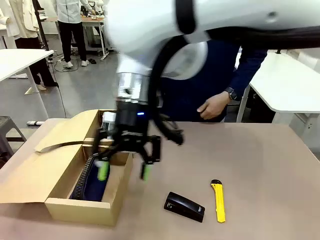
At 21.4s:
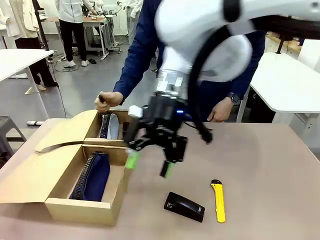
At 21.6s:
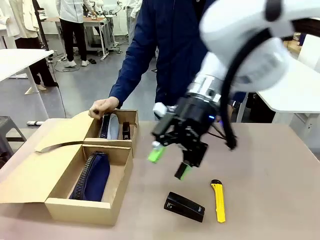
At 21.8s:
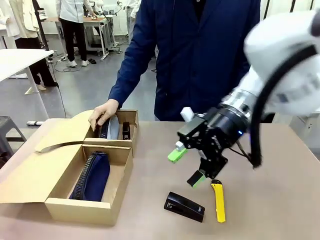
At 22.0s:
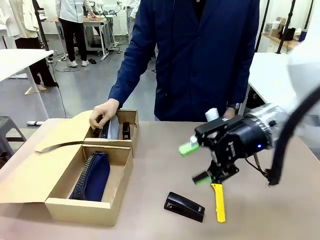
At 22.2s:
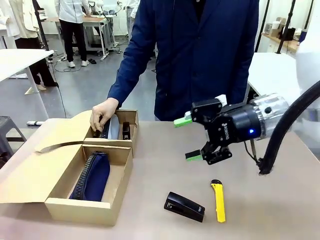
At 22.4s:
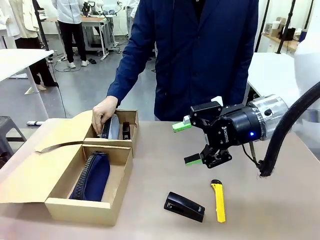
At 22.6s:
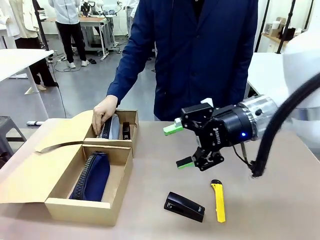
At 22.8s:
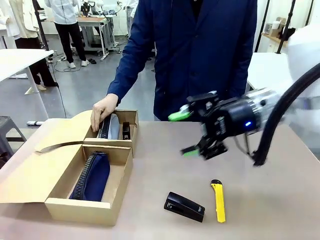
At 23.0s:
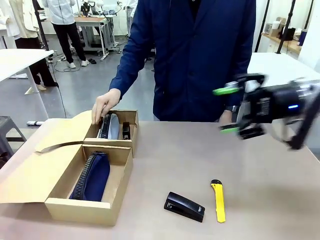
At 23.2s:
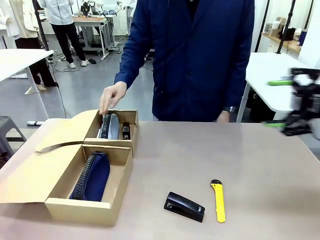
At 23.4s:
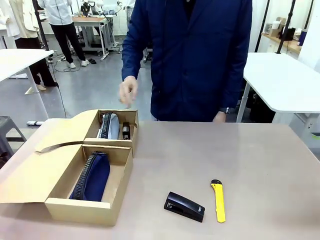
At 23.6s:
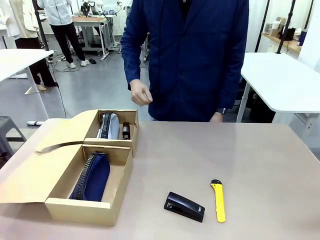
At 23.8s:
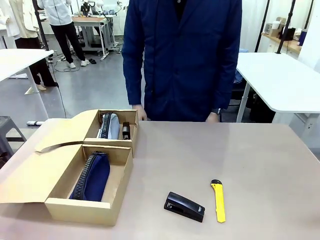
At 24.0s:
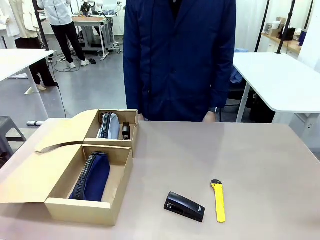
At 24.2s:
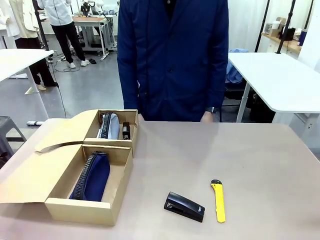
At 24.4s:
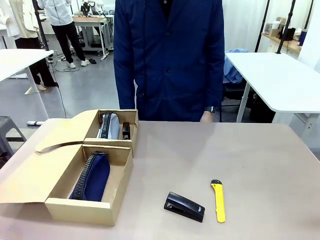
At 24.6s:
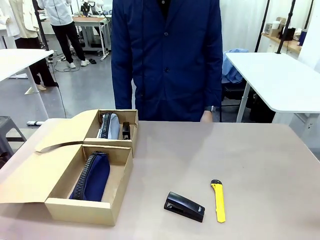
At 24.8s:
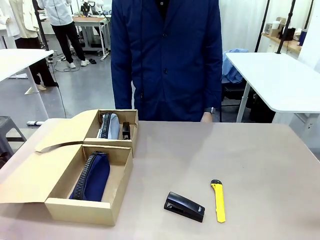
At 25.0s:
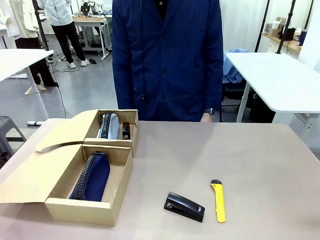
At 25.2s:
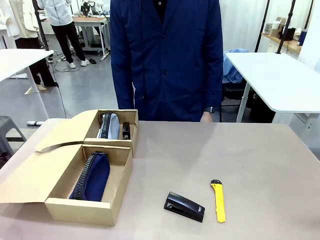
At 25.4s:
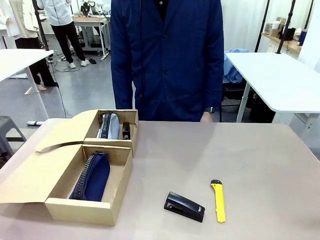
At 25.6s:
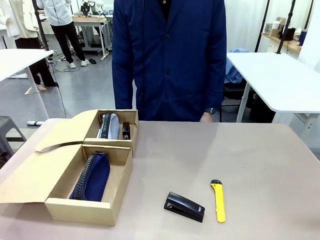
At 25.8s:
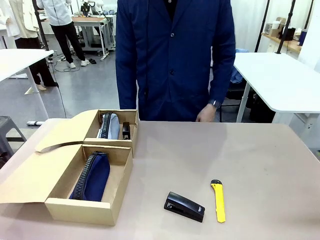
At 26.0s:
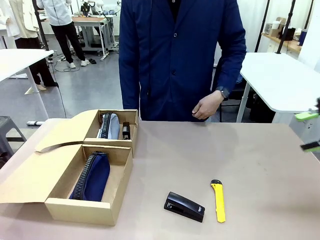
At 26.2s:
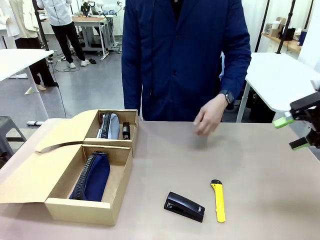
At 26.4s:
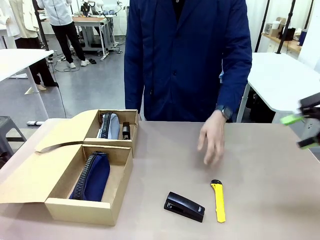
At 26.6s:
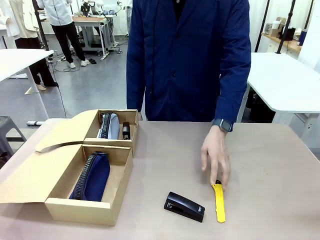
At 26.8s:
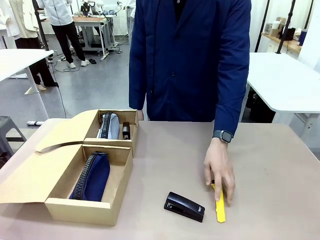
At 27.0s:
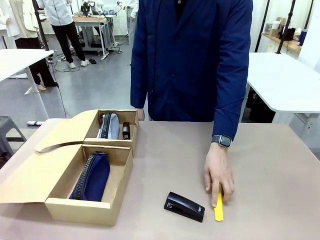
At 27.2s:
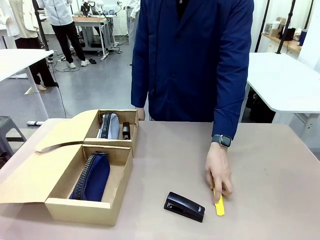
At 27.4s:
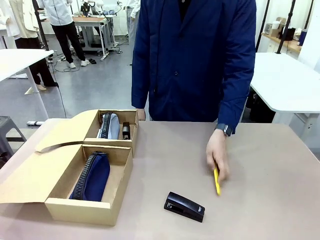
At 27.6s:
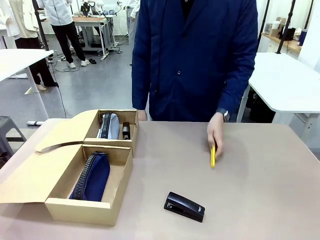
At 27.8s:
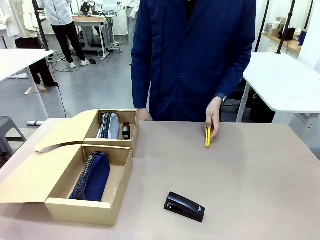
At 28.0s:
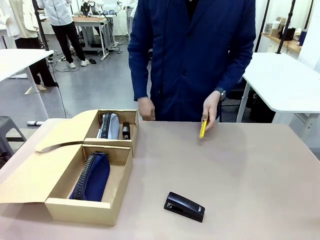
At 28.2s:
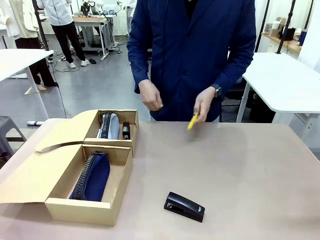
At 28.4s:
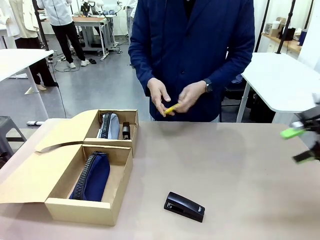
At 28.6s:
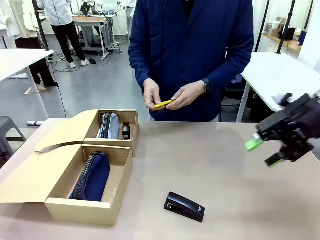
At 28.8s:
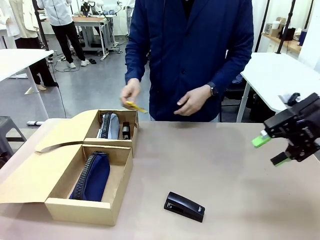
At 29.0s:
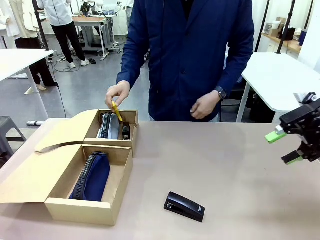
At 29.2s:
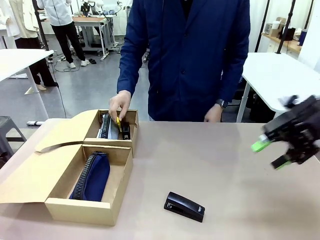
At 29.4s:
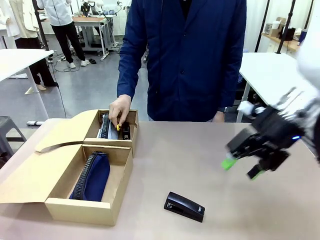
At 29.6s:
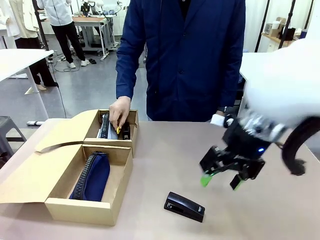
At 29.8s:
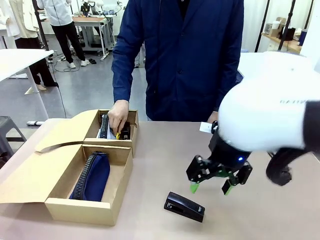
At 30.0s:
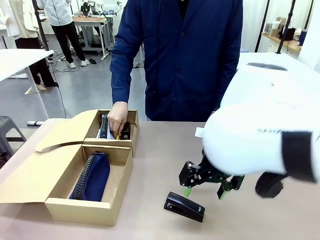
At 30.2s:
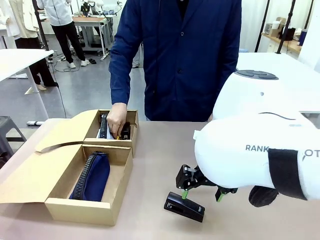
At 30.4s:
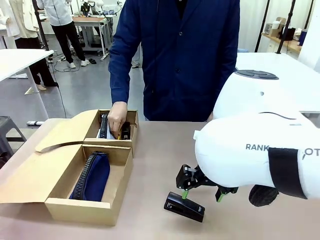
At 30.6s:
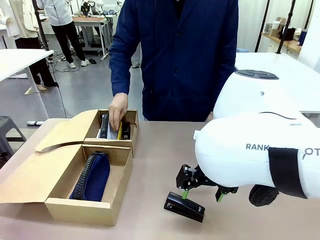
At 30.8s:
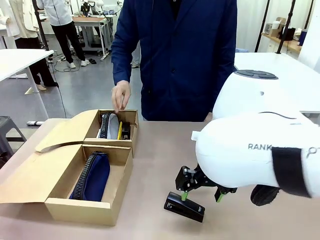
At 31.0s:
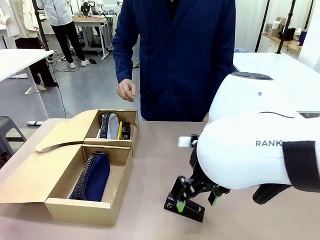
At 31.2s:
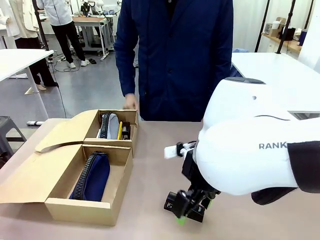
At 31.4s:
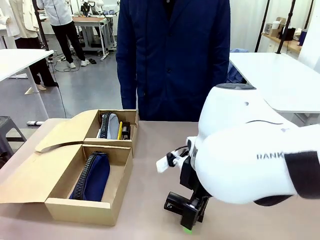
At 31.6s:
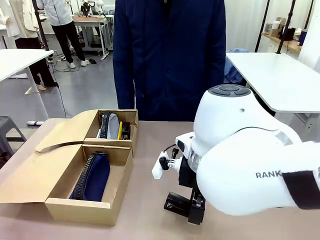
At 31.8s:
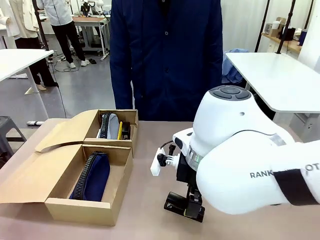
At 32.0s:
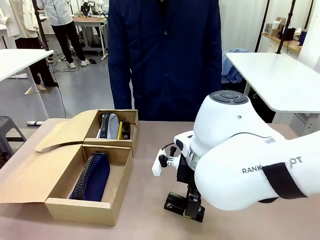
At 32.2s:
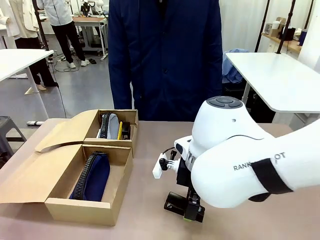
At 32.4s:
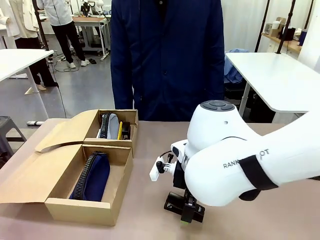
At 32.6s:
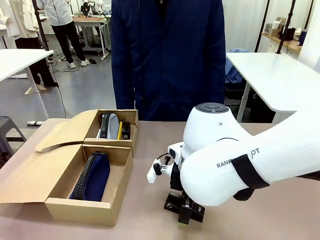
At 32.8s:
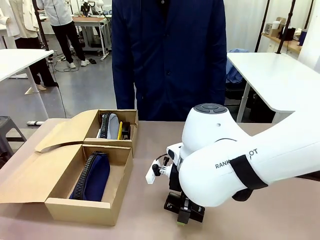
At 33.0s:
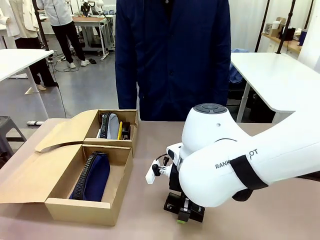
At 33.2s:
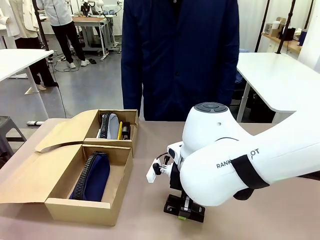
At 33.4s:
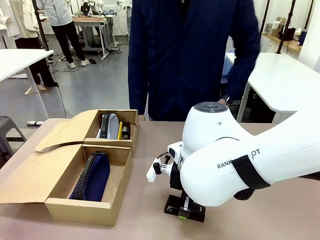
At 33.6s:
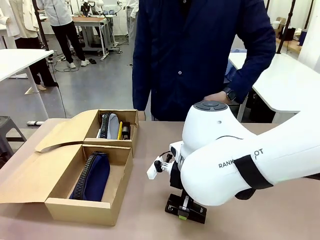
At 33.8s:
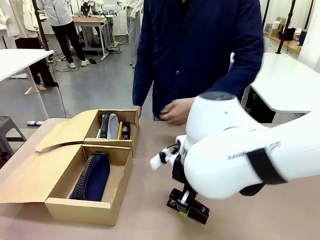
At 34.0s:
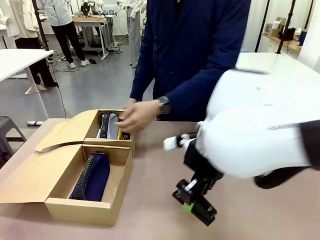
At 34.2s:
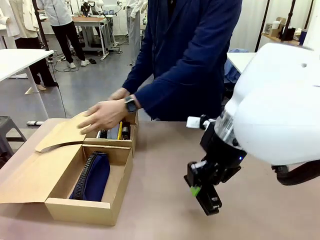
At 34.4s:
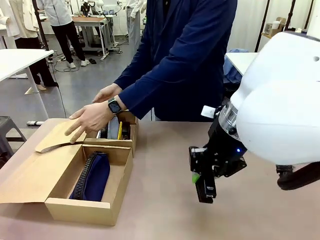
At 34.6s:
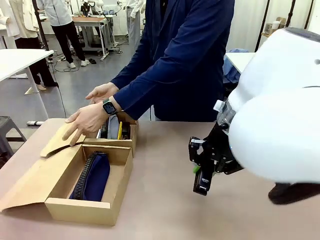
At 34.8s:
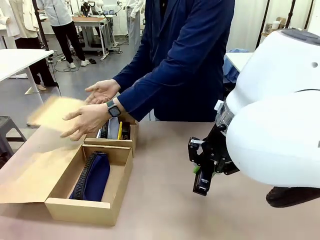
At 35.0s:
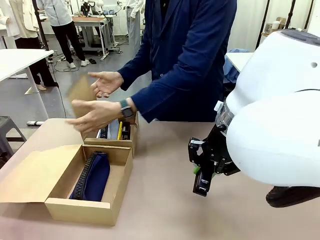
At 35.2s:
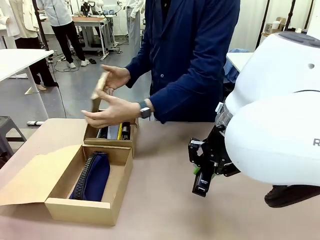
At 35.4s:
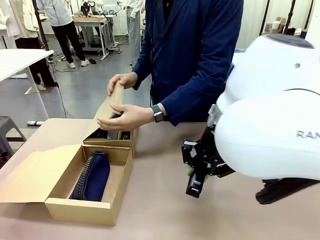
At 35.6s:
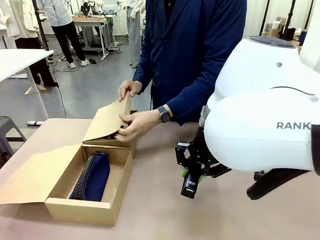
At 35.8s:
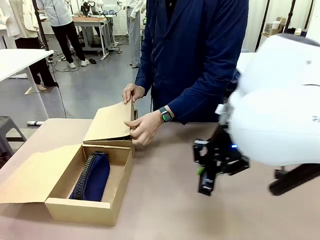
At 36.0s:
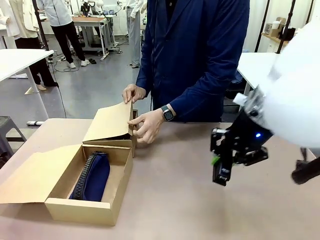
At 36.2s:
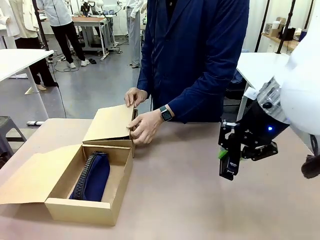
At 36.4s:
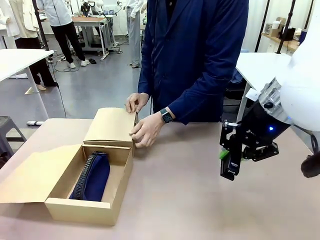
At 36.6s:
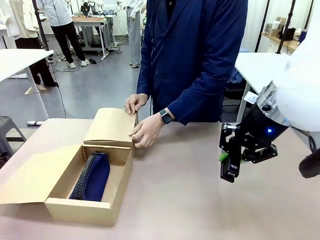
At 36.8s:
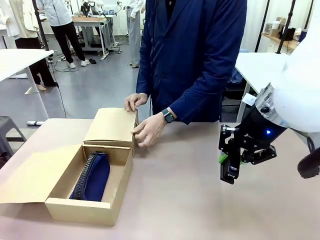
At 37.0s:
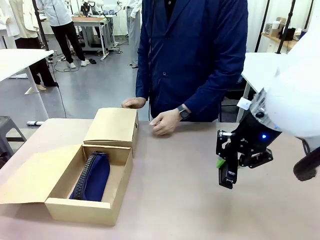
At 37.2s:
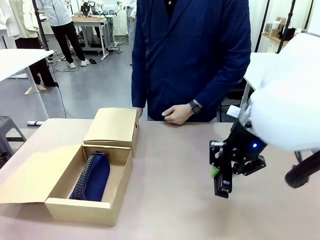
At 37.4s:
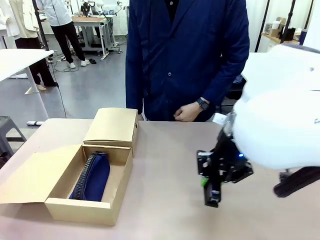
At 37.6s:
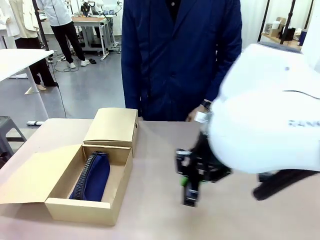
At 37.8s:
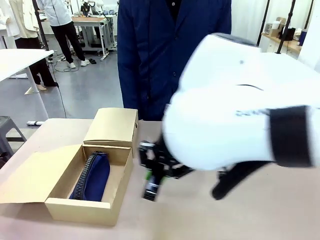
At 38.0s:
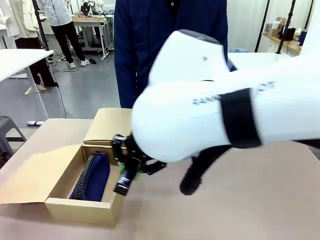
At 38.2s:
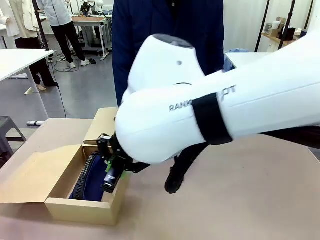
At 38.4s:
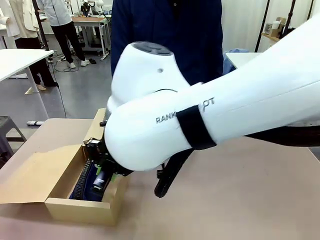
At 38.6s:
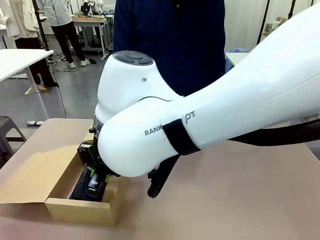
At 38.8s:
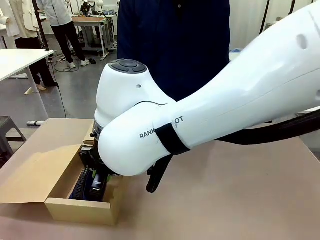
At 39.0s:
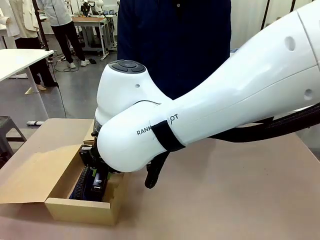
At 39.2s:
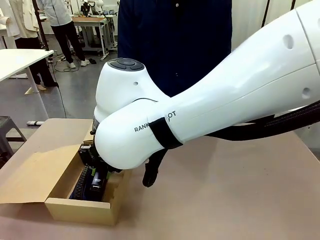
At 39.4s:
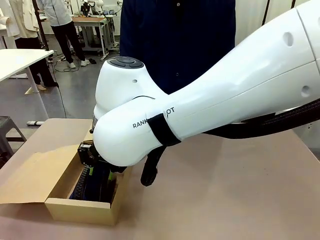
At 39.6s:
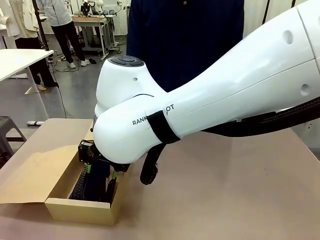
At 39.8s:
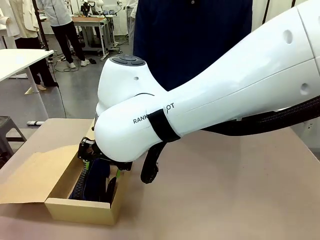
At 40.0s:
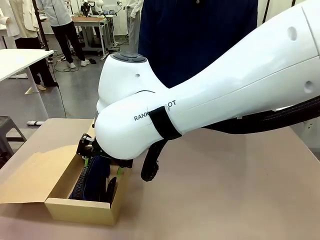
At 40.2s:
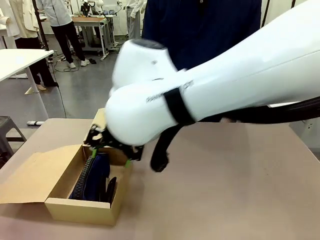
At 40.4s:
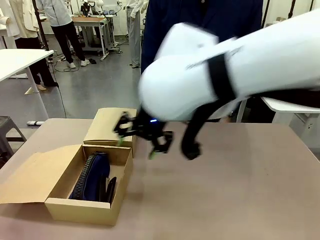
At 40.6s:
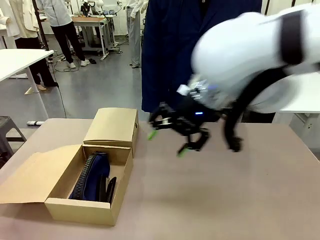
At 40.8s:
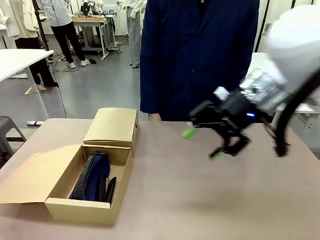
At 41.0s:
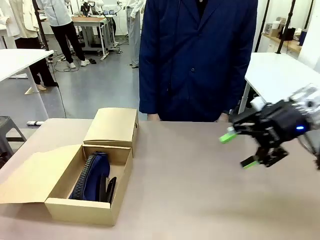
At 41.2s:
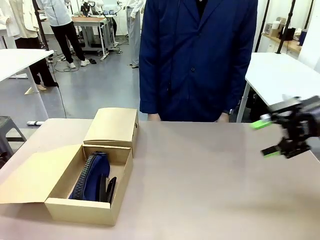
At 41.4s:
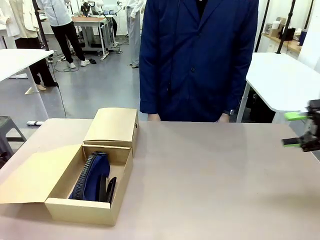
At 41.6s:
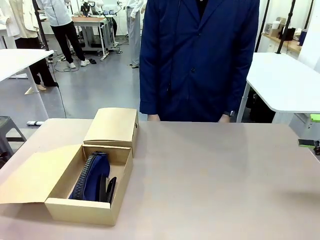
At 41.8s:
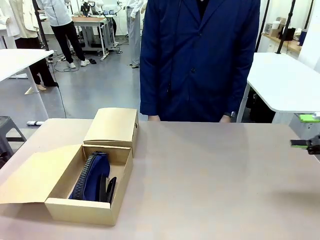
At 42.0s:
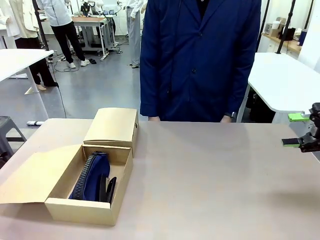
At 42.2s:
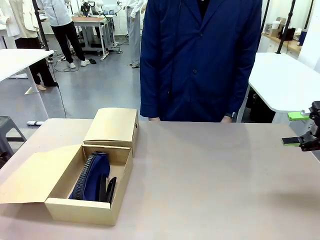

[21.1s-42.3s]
Task: Place items inside the box.
Robot: Pick up a Pencil pouch or Stapler and place it inside the Mailer Box closest to the robot.
